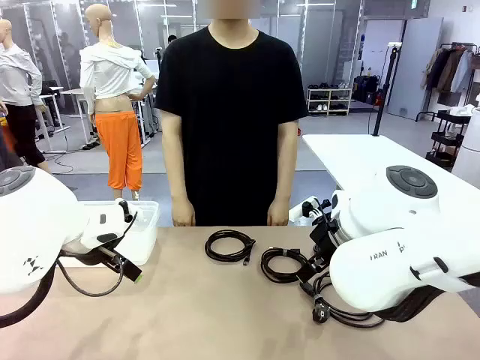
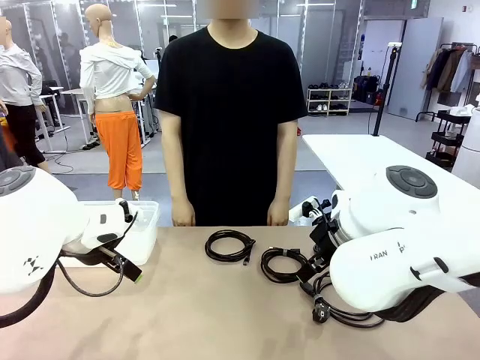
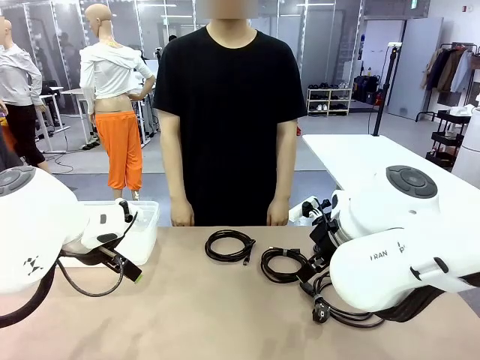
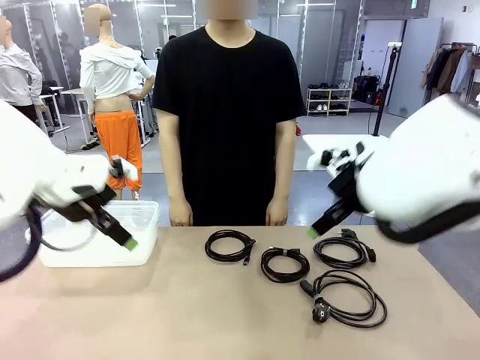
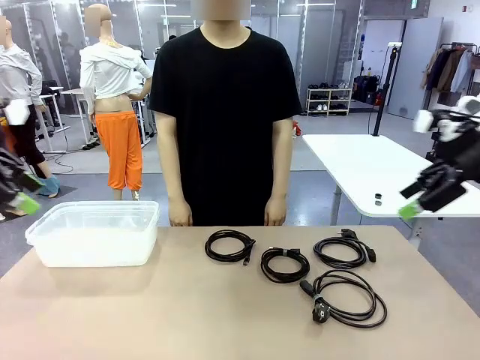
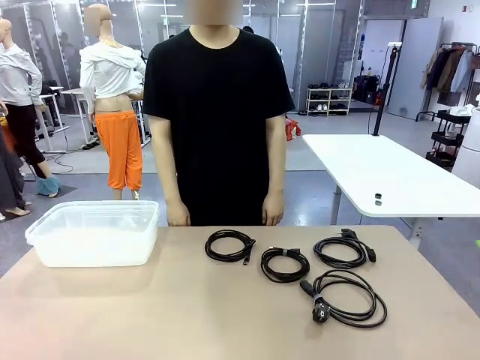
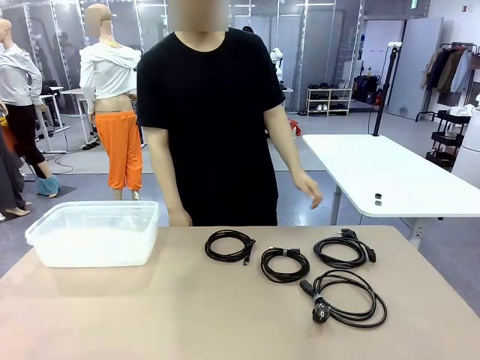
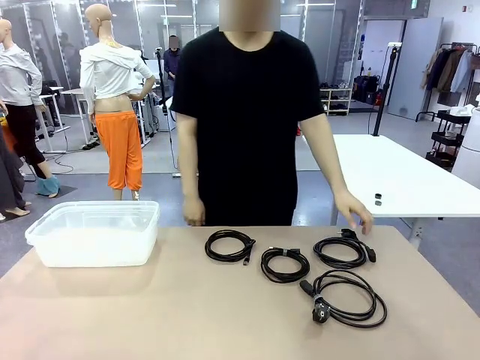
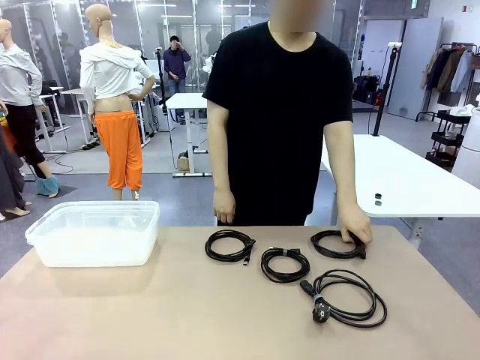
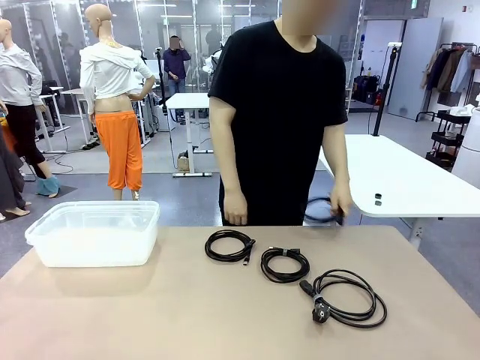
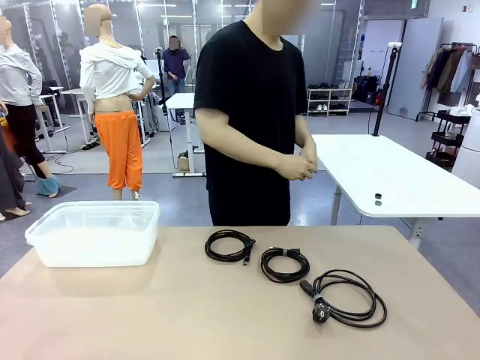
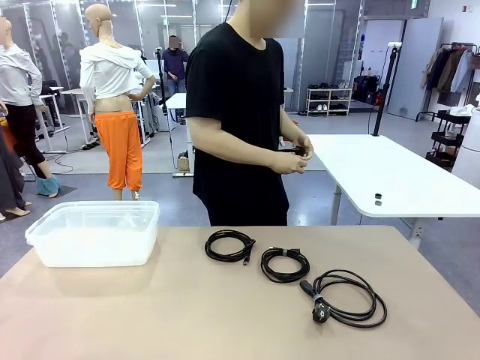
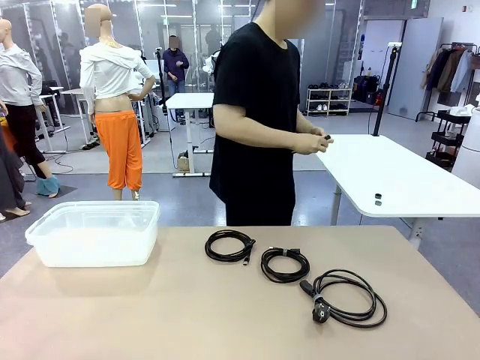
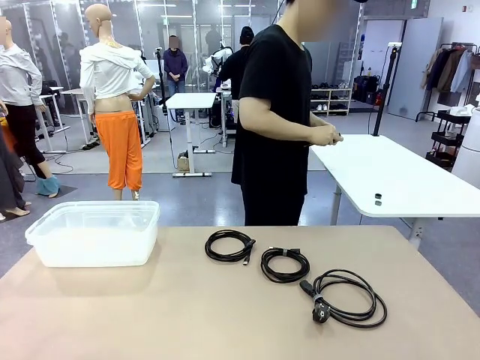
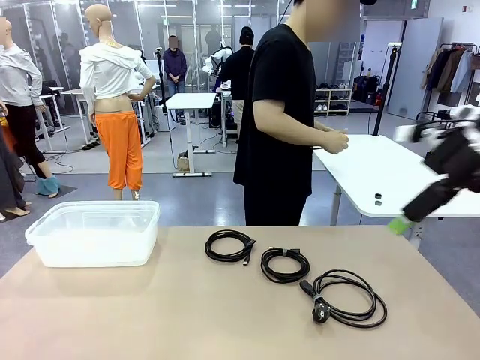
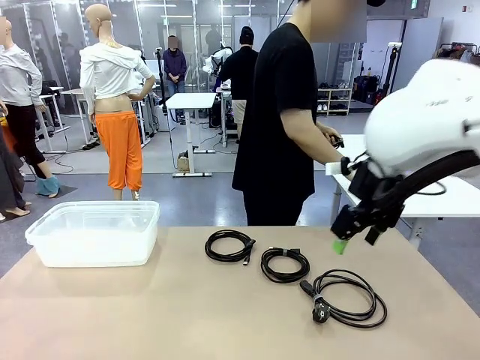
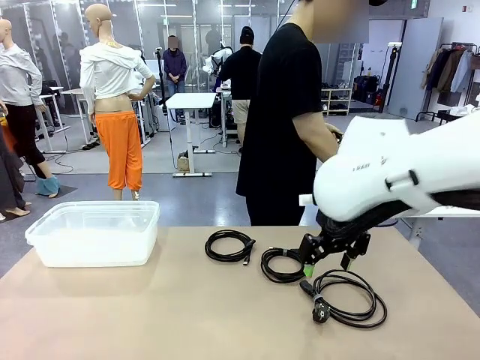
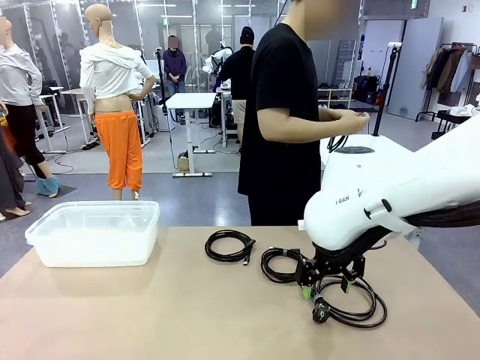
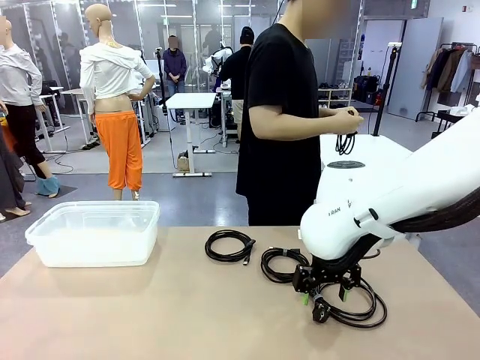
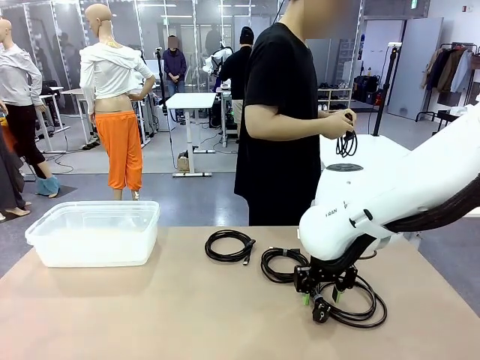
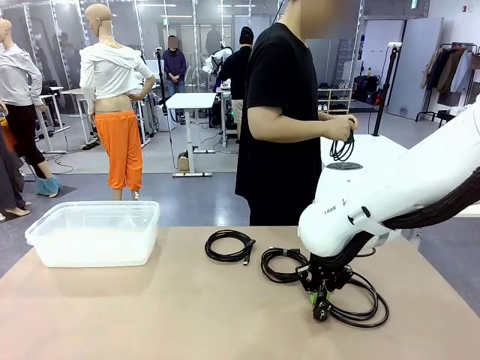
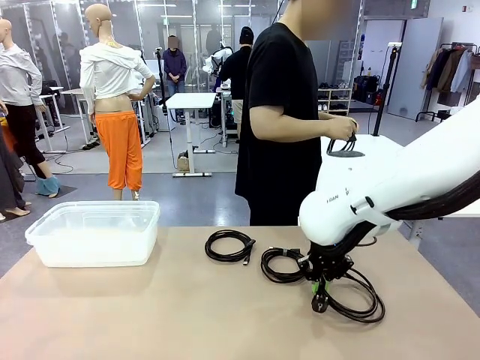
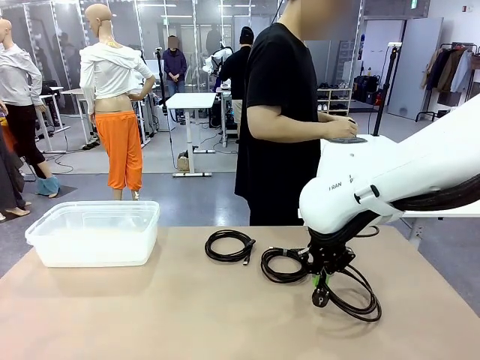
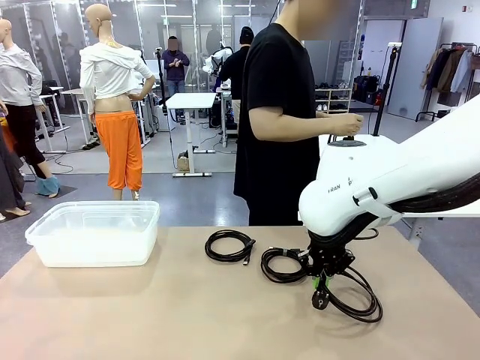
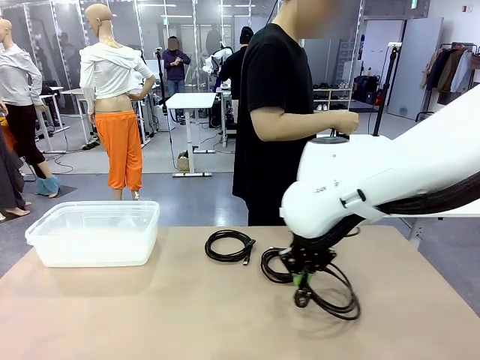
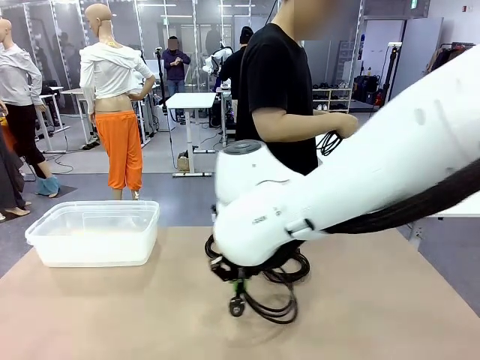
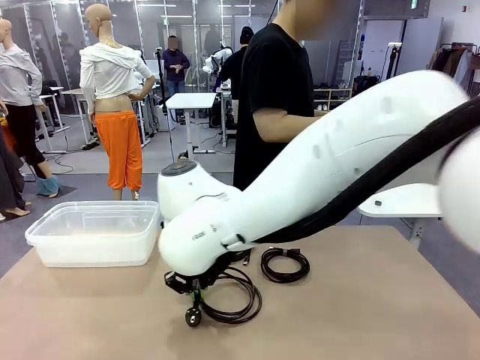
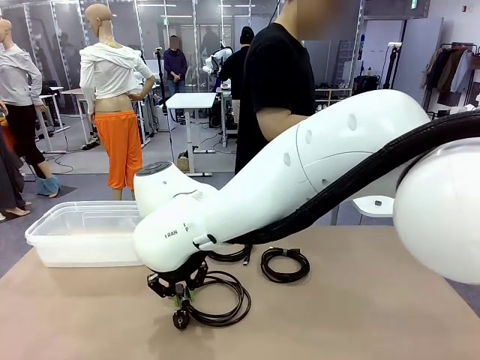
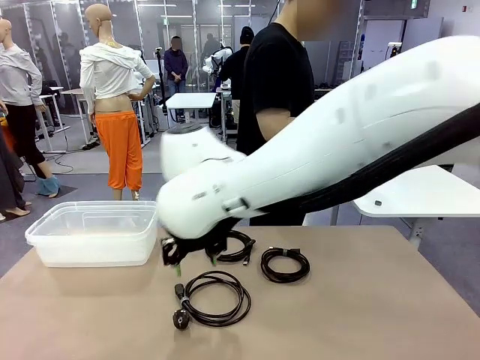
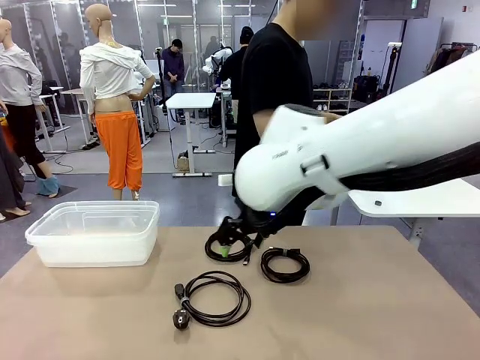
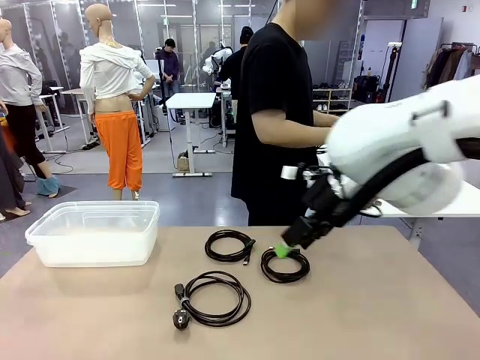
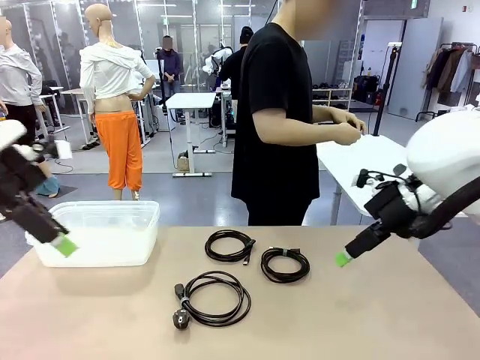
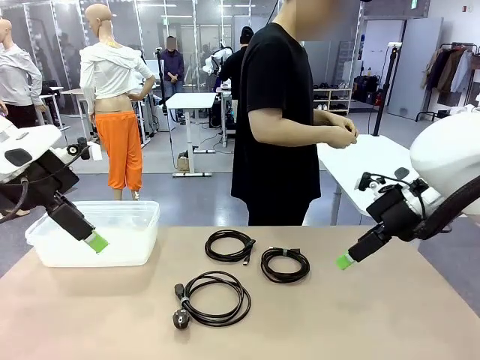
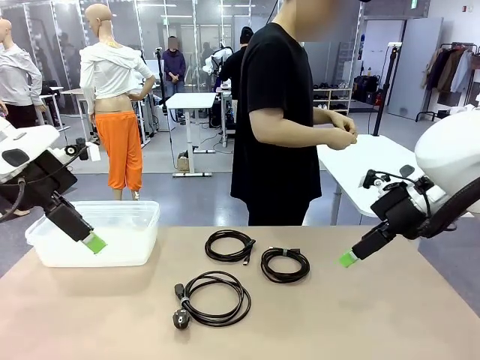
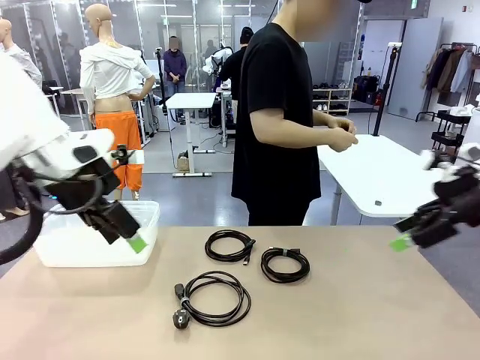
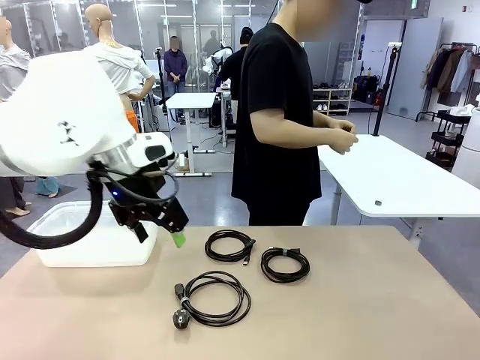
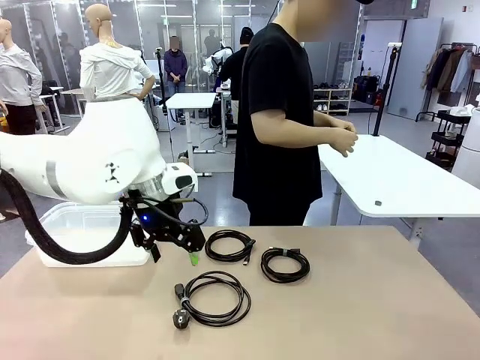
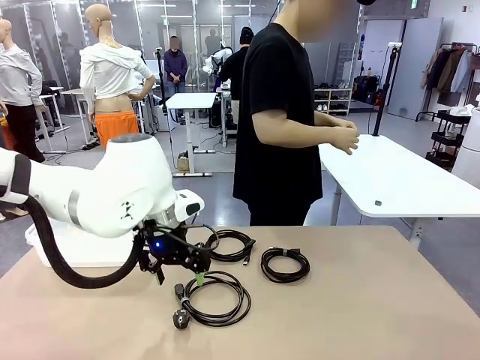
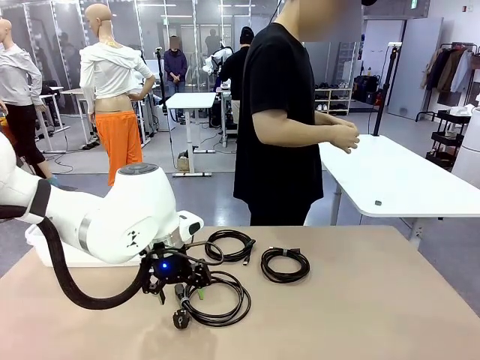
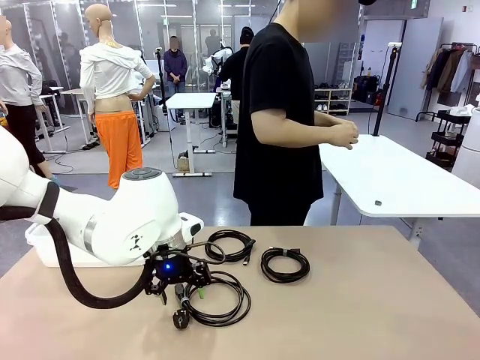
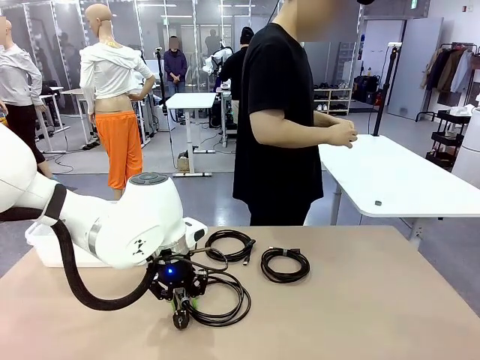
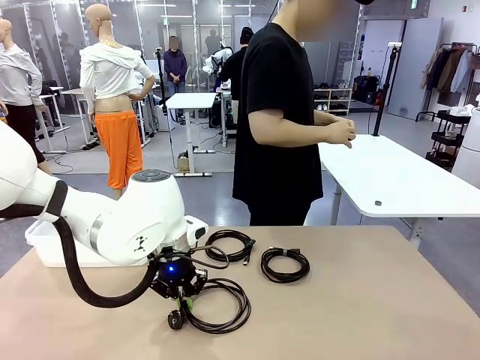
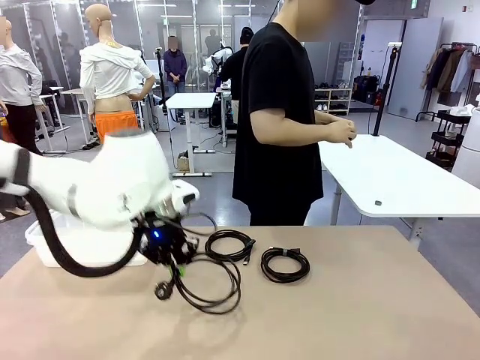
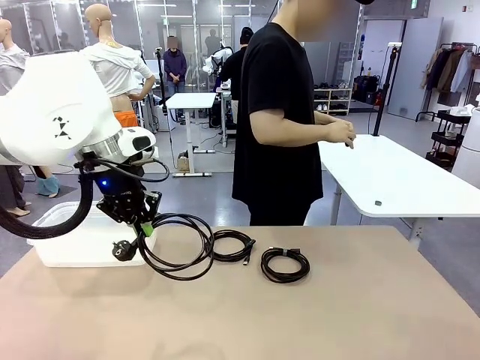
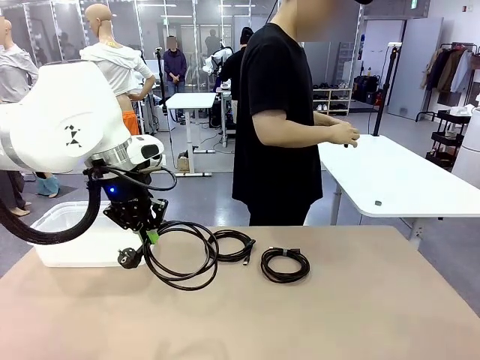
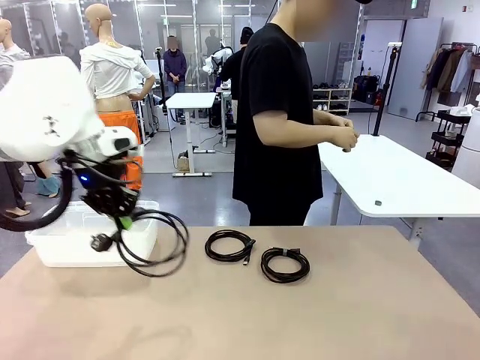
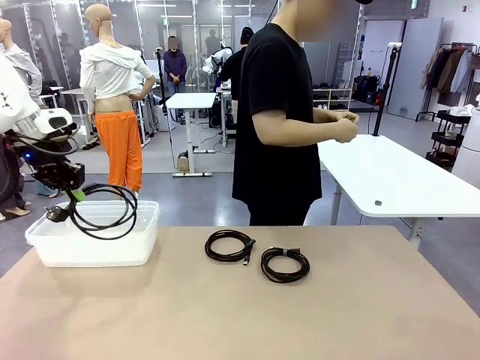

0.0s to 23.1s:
Task: Organize and store the cables.
Robot: Place the Power Cable into the Organizing box.
Person: Tie one Power Cable with a Reusable Cable Tie.
